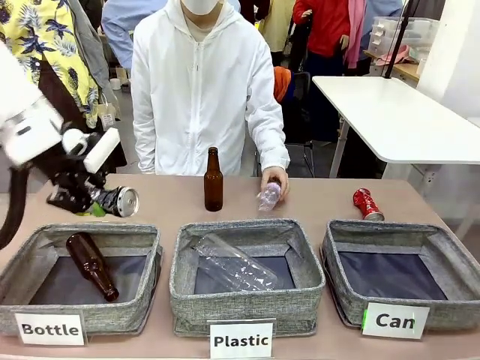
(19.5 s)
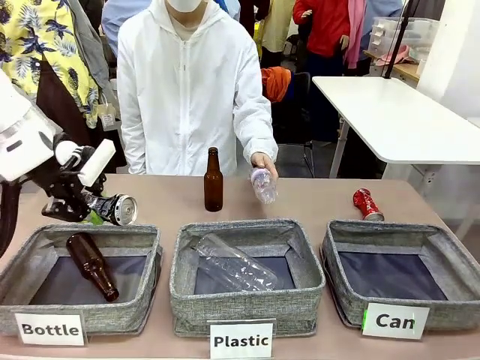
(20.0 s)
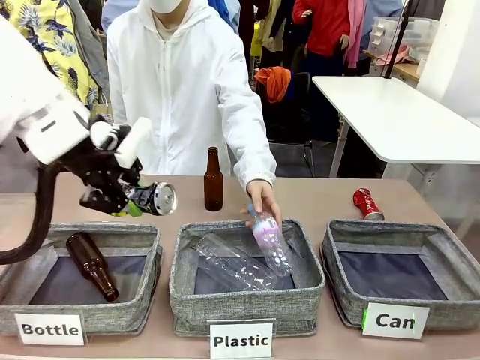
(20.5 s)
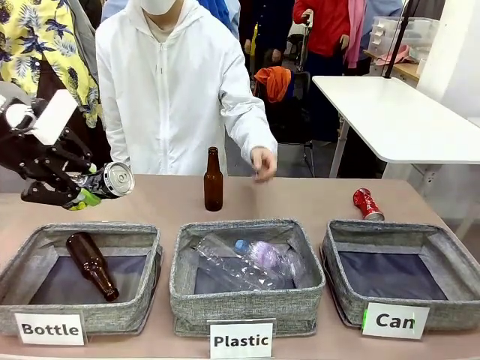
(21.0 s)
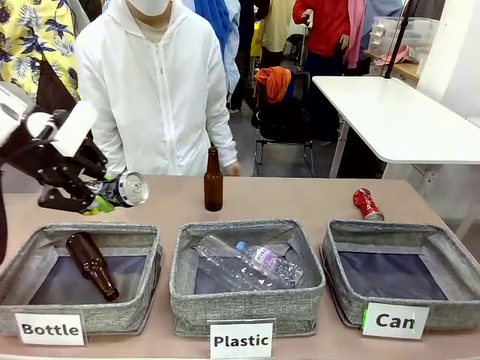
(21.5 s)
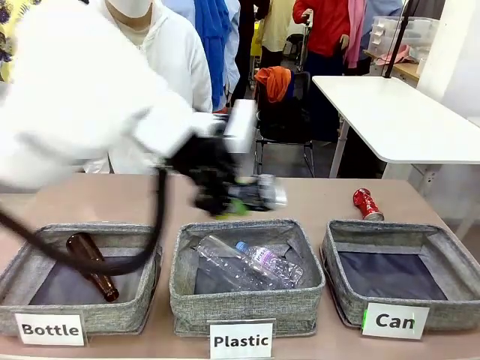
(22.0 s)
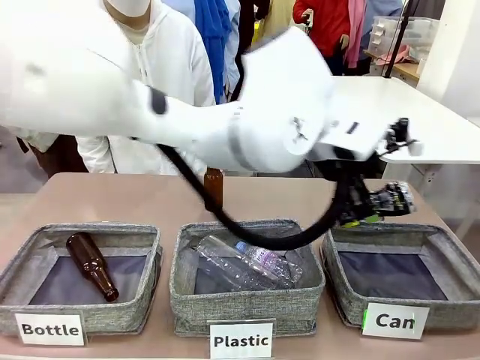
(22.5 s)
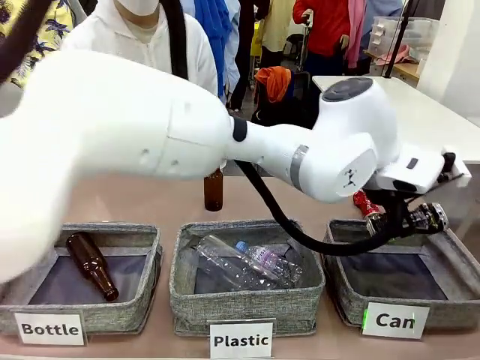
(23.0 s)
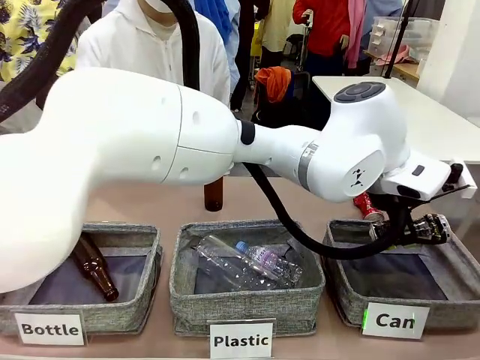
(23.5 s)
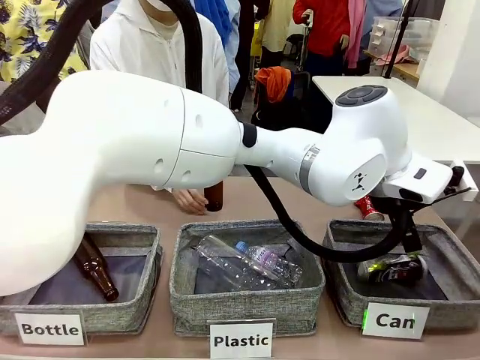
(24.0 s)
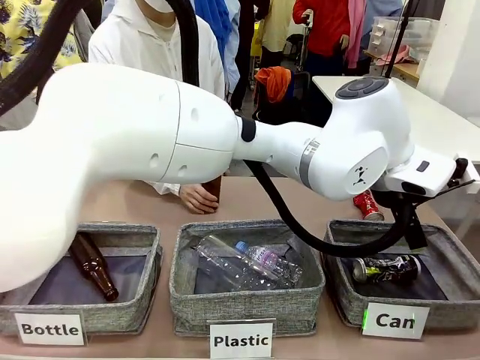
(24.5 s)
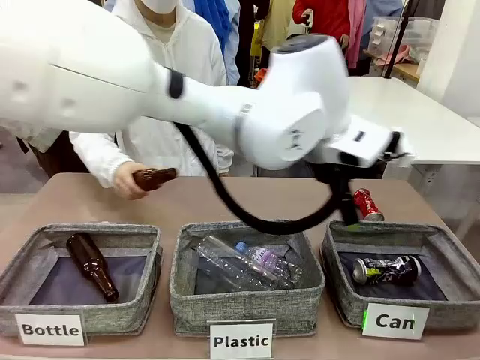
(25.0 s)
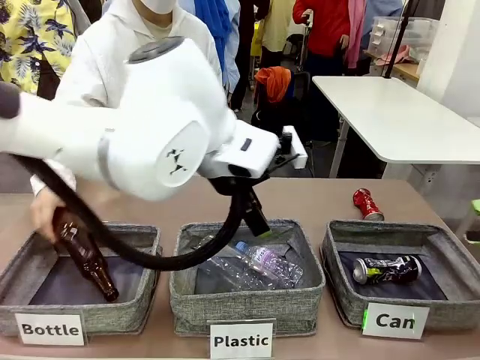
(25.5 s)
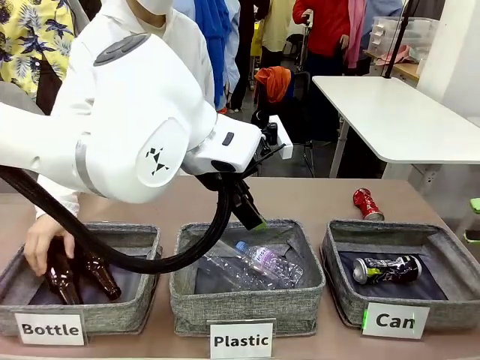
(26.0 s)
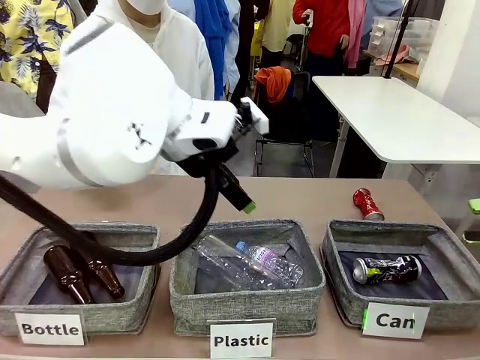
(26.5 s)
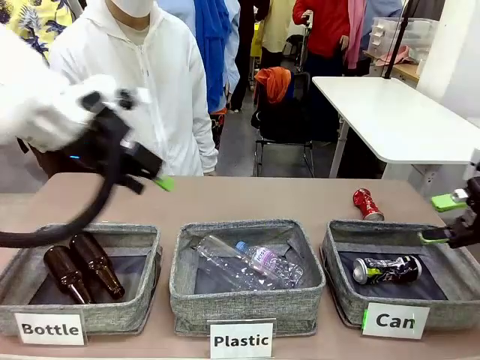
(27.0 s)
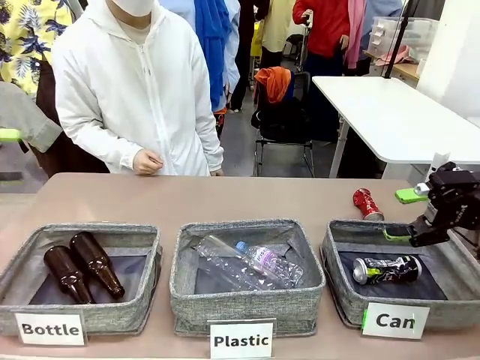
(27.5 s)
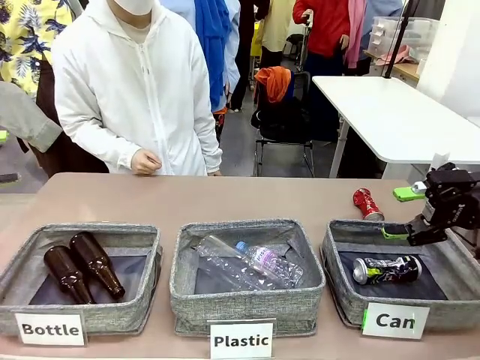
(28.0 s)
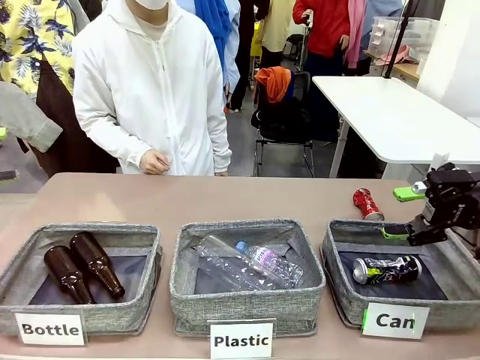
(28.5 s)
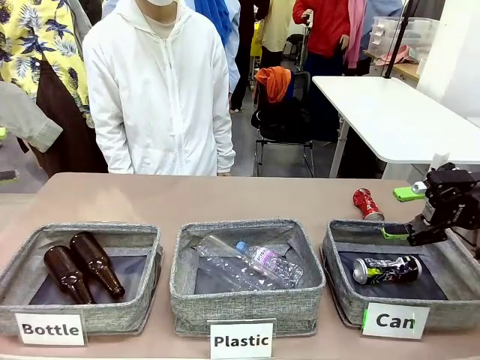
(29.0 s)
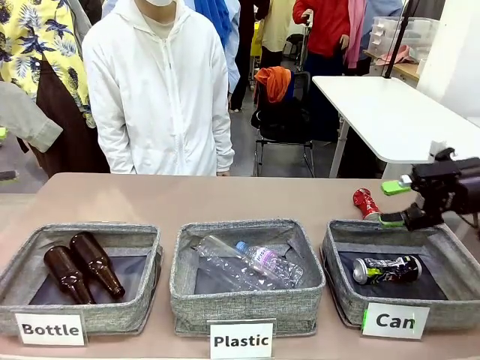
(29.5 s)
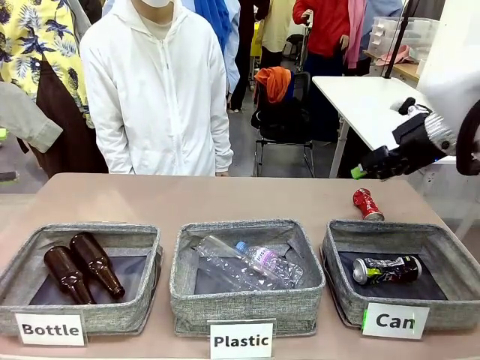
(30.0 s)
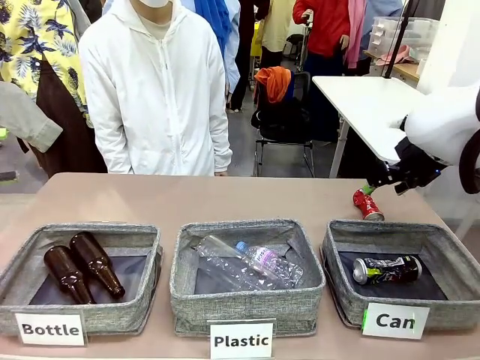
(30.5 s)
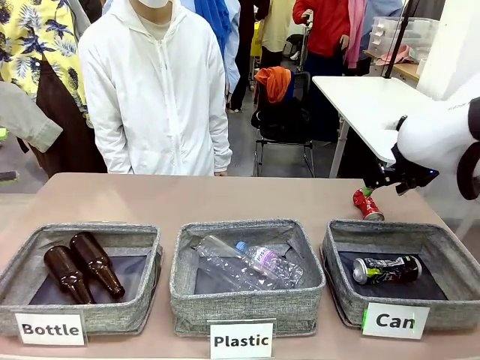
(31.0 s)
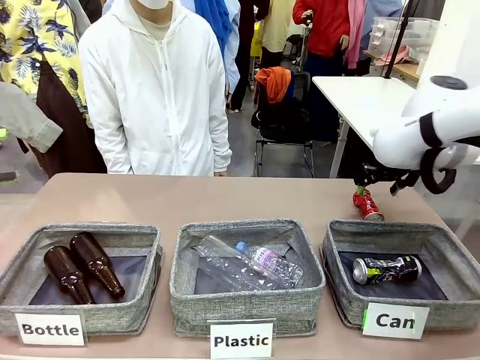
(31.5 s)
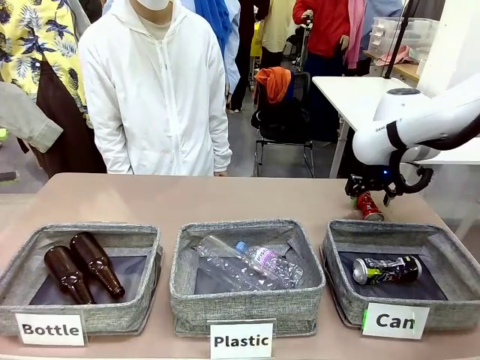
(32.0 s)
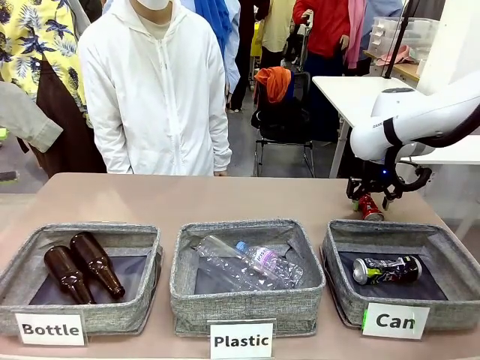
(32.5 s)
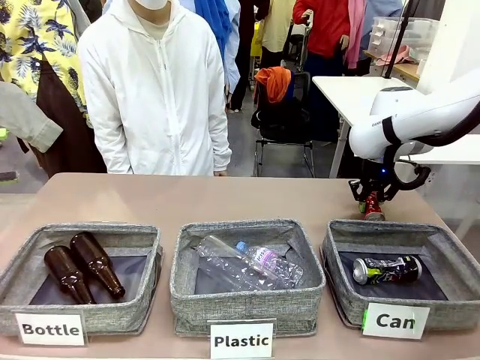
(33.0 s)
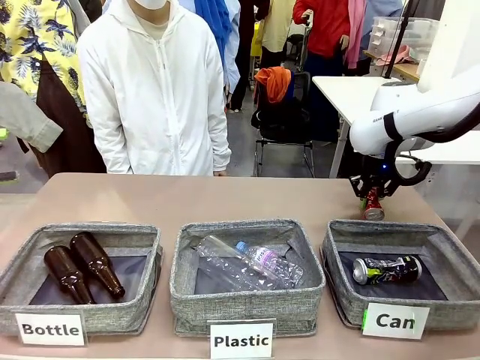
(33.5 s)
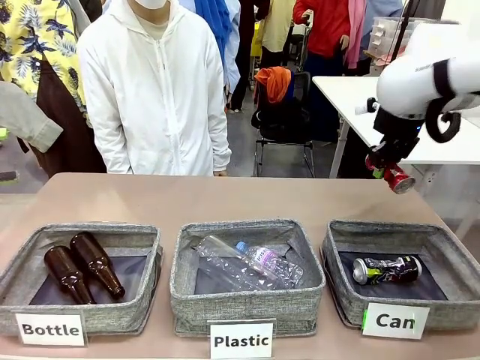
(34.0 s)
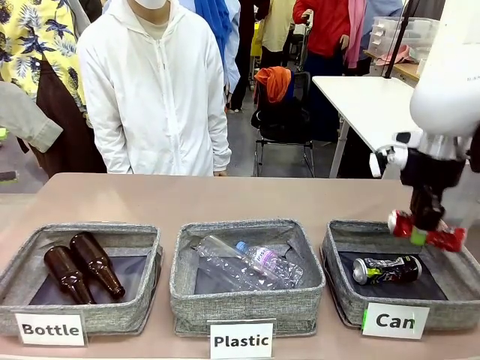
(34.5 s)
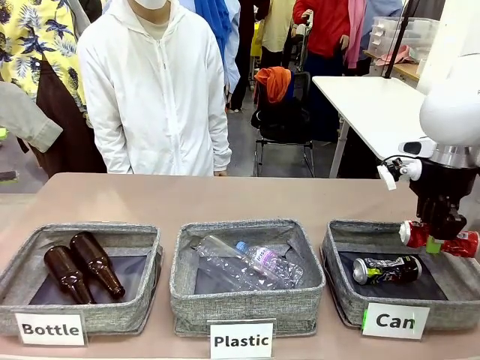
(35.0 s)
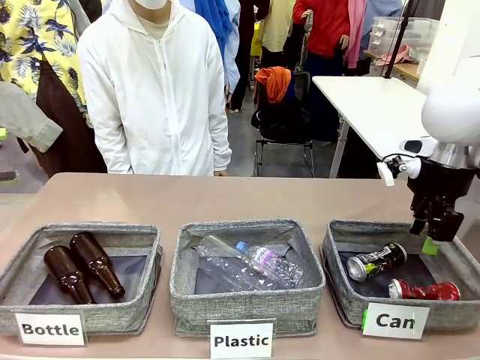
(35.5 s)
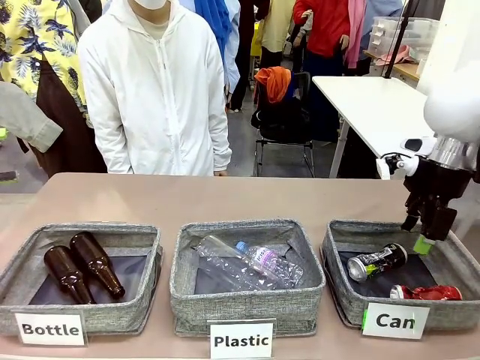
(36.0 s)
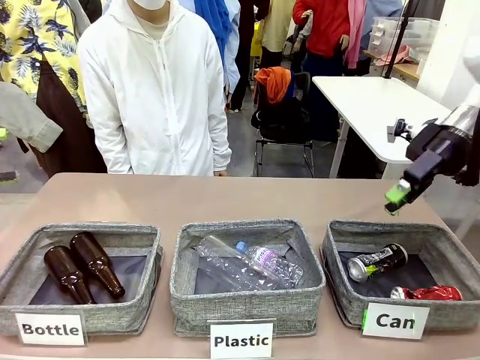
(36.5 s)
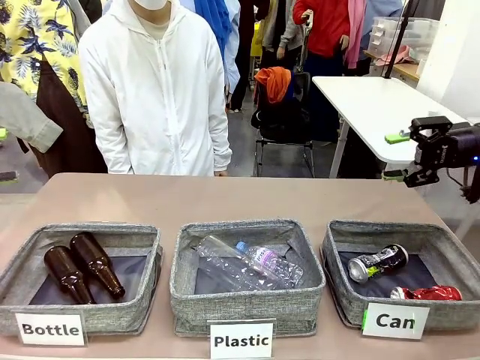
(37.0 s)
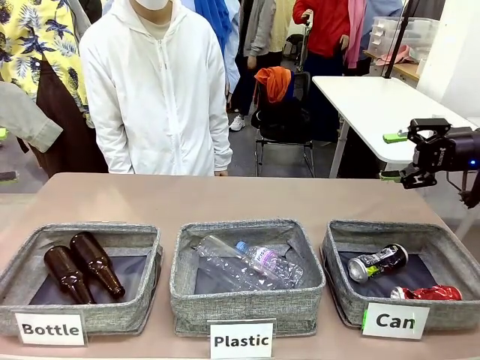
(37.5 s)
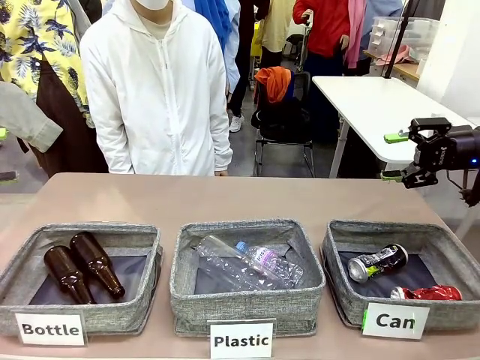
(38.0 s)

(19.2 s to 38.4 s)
Task: Sort the can waste into the basket.
Robot: Pick up the can waste from the table and place it in the right Fabric basket.

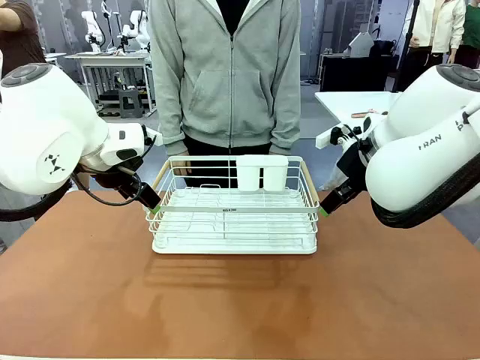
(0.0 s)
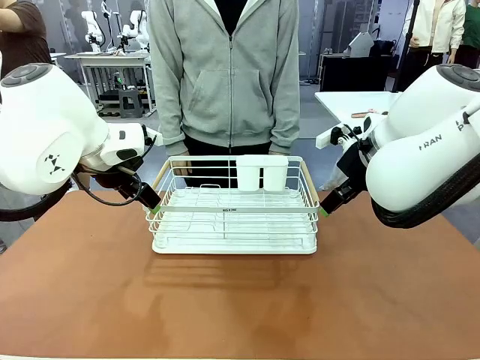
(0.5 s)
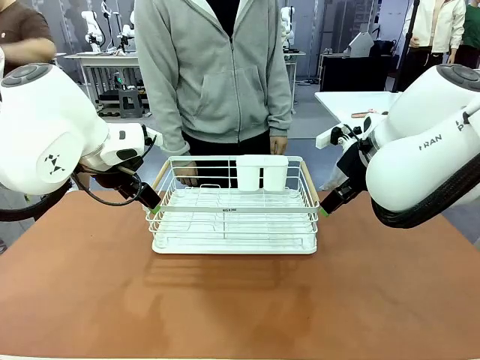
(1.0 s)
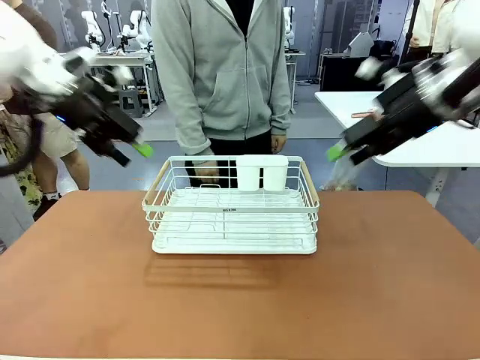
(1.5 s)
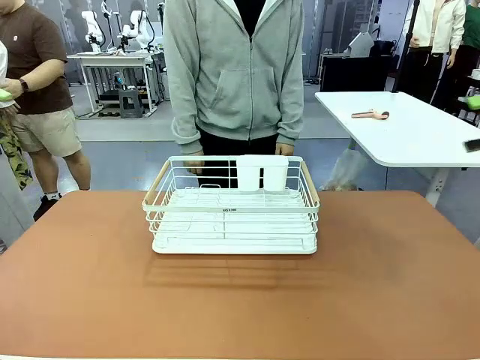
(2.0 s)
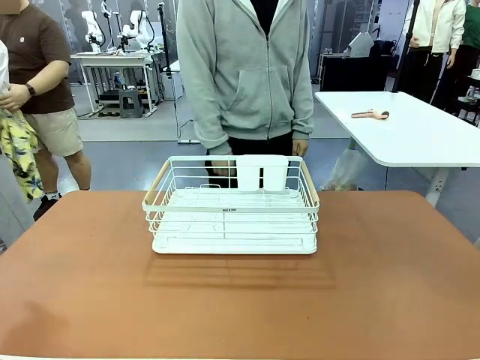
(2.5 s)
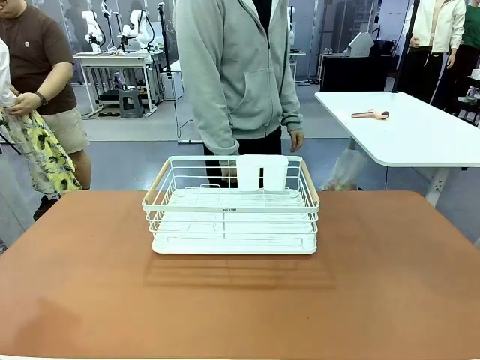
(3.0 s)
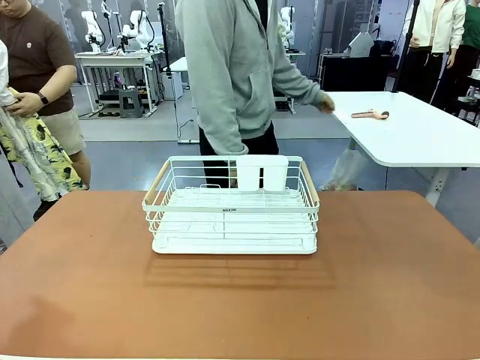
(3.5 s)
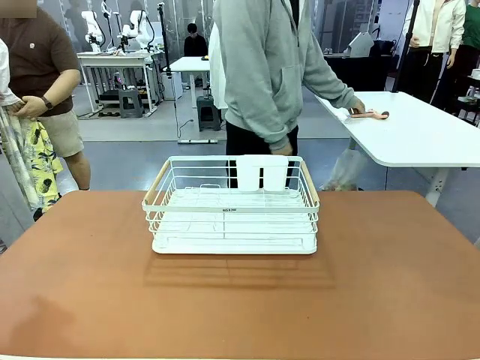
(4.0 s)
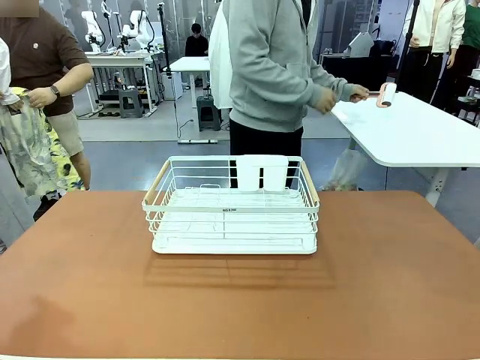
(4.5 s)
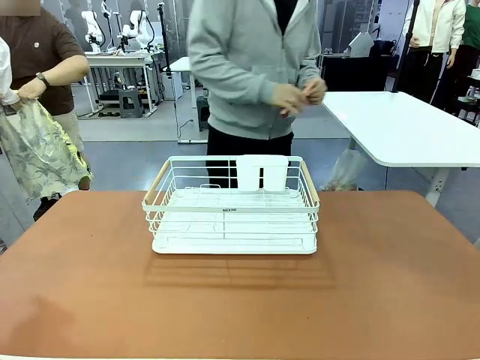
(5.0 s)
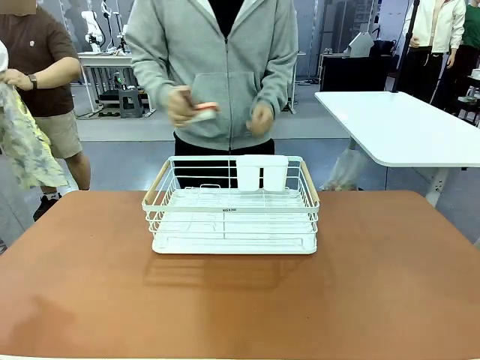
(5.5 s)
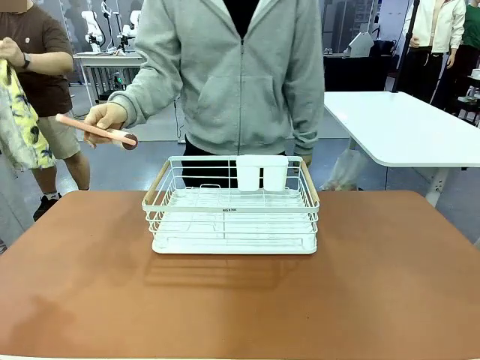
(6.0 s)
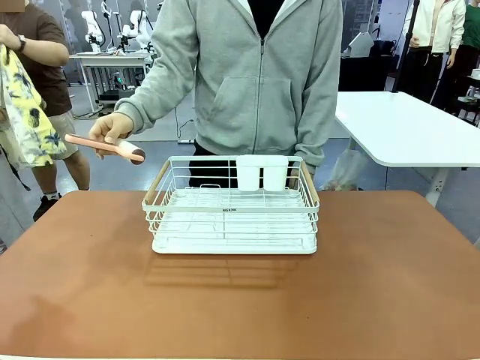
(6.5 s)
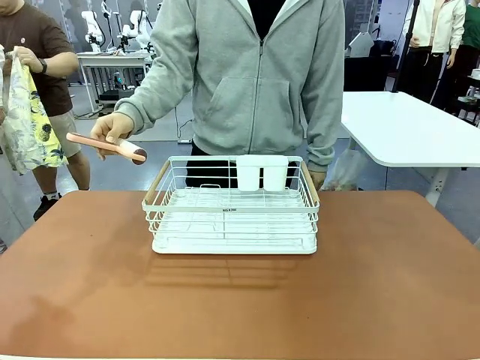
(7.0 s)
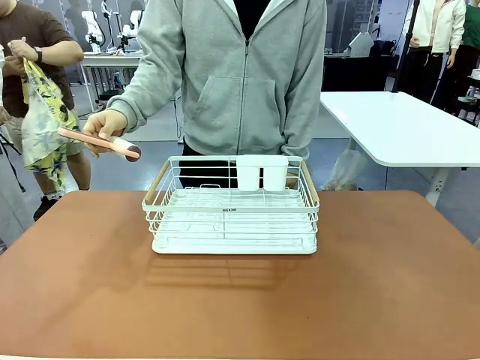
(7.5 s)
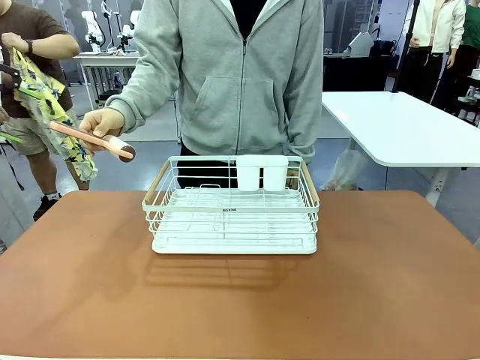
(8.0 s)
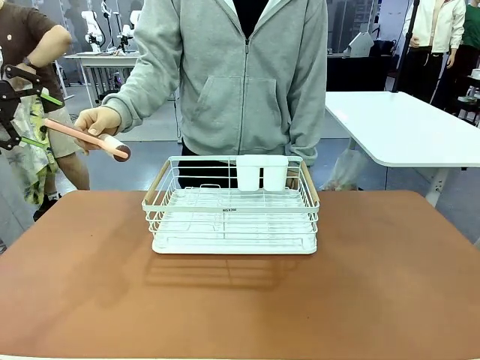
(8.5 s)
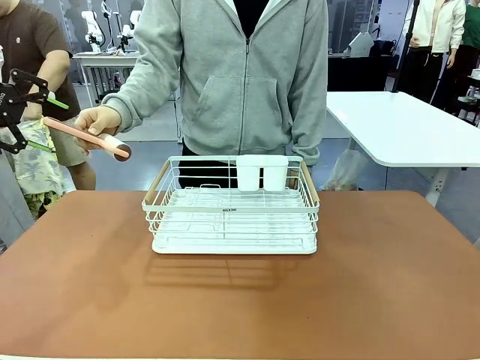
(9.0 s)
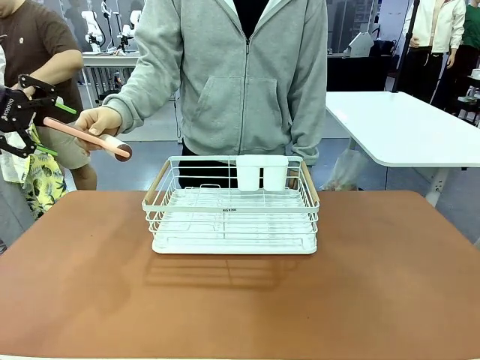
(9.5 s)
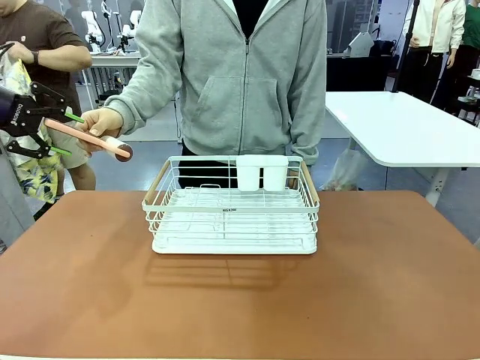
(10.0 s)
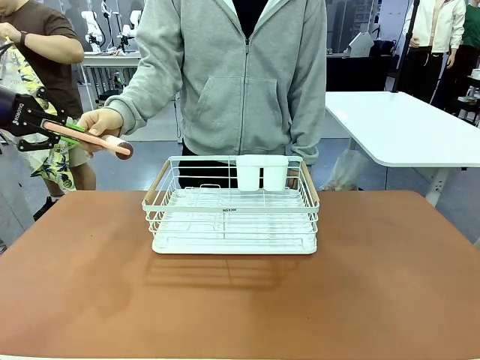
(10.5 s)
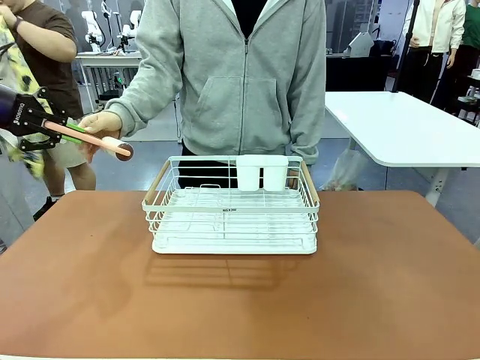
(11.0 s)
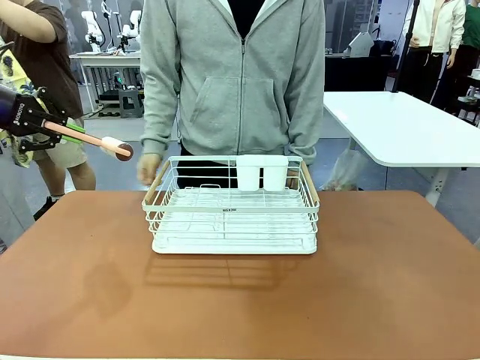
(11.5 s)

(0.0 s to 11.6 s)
Task: Clean the table.
Robot: Pick up the Lint Roller when the human hands it over.
Person: Hand the Lint Roller to the robot so it can easily pick it up. Lift the Dish drying rack.
